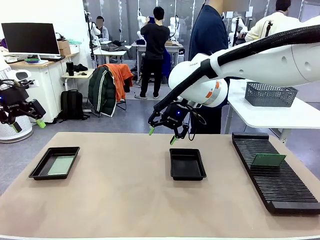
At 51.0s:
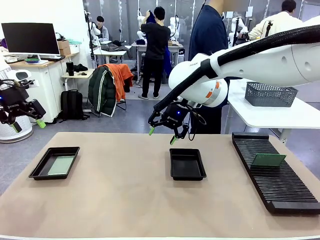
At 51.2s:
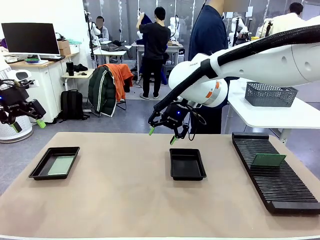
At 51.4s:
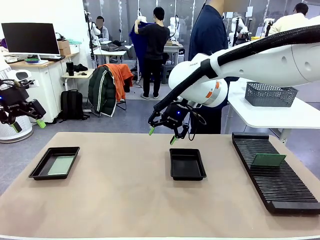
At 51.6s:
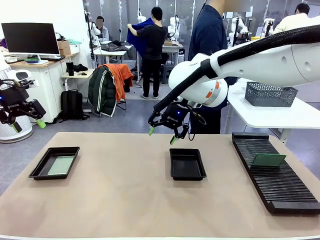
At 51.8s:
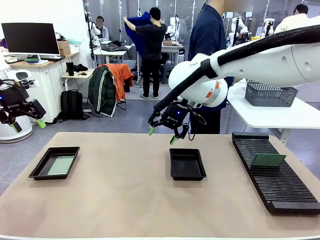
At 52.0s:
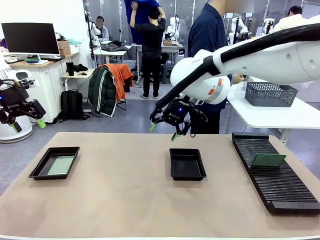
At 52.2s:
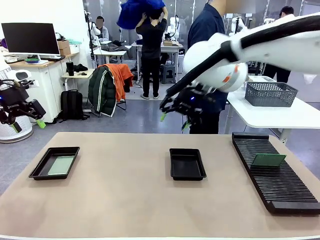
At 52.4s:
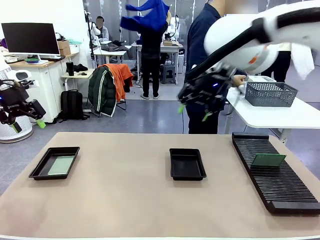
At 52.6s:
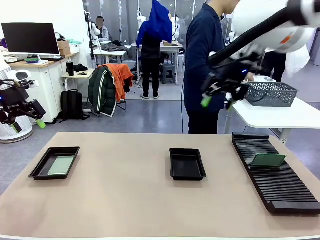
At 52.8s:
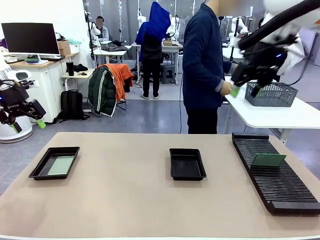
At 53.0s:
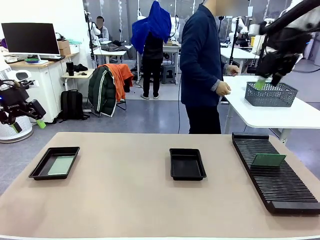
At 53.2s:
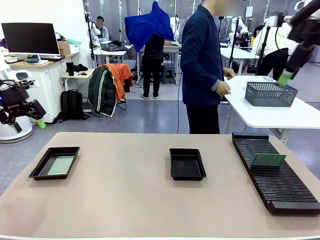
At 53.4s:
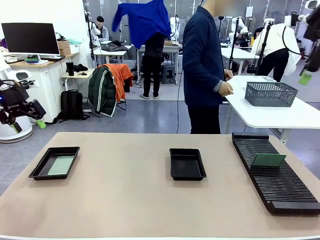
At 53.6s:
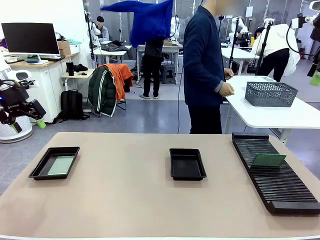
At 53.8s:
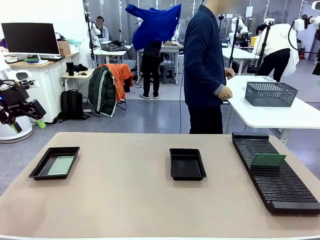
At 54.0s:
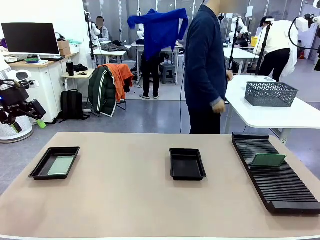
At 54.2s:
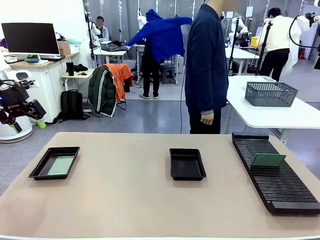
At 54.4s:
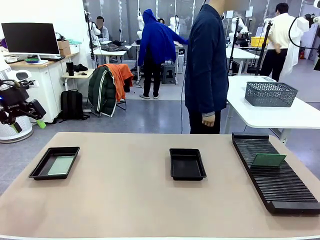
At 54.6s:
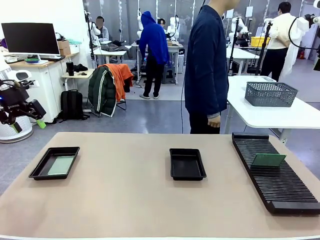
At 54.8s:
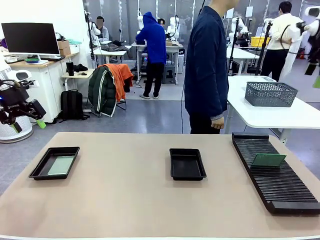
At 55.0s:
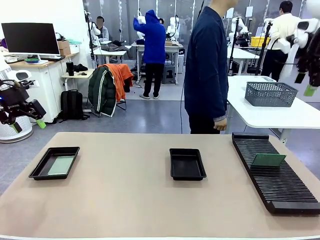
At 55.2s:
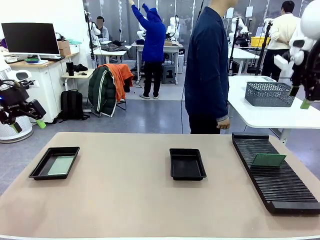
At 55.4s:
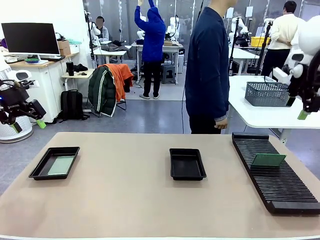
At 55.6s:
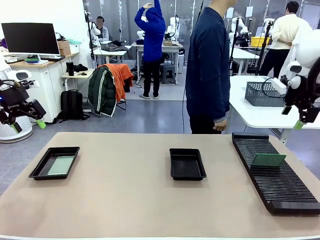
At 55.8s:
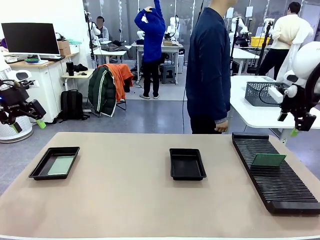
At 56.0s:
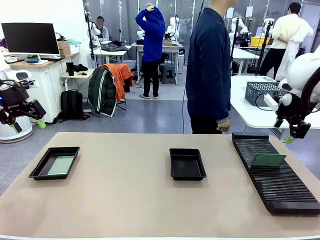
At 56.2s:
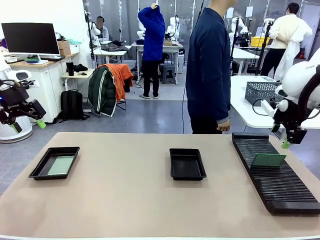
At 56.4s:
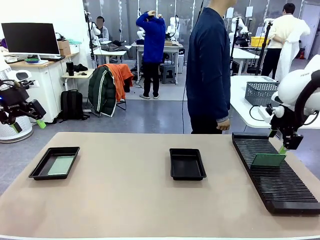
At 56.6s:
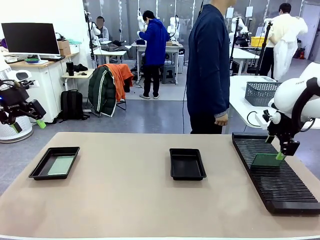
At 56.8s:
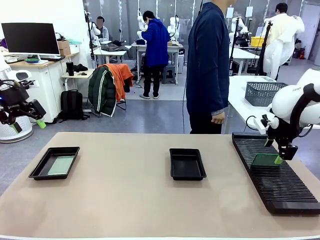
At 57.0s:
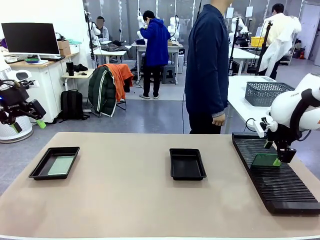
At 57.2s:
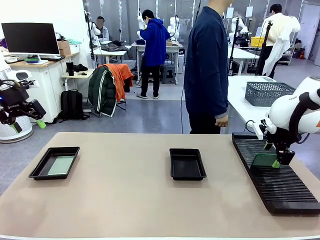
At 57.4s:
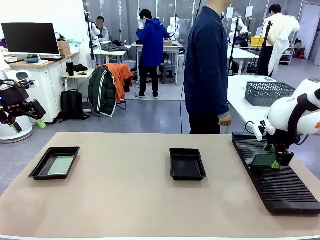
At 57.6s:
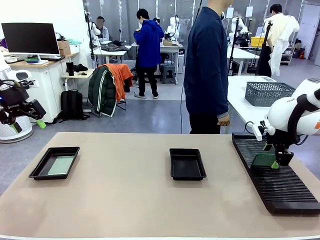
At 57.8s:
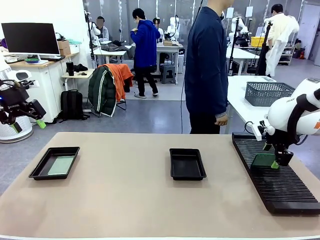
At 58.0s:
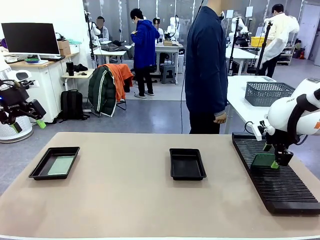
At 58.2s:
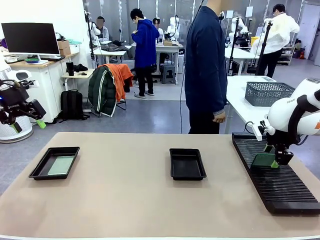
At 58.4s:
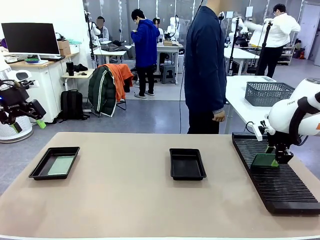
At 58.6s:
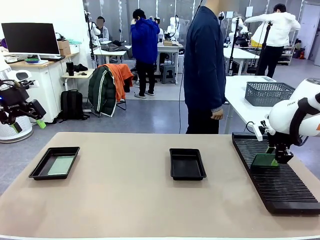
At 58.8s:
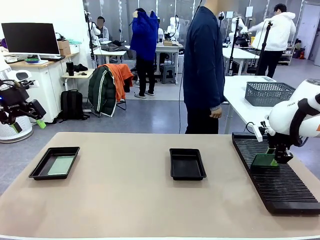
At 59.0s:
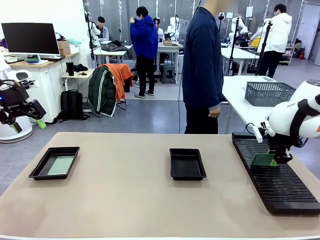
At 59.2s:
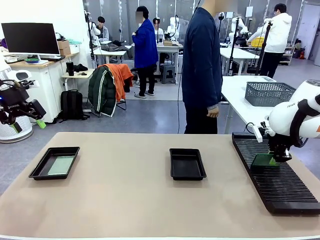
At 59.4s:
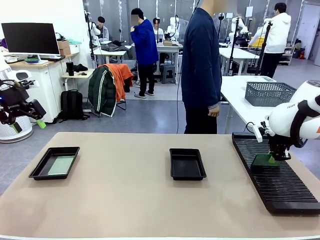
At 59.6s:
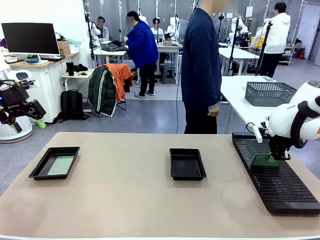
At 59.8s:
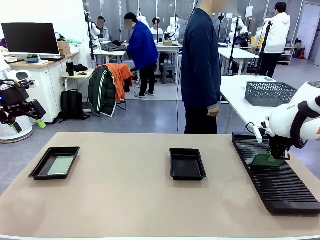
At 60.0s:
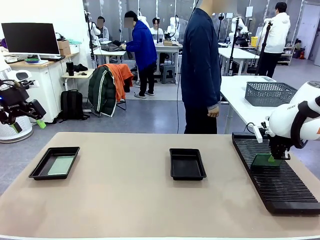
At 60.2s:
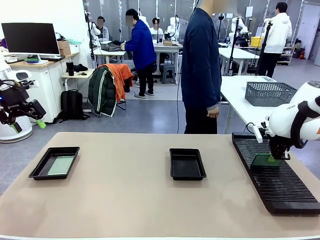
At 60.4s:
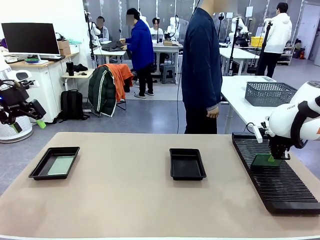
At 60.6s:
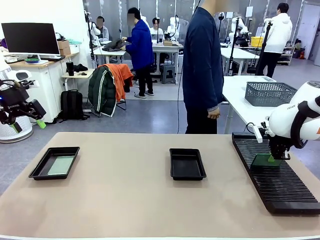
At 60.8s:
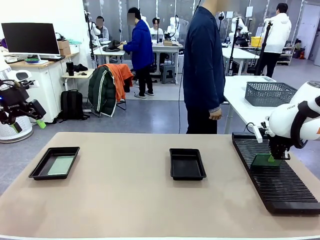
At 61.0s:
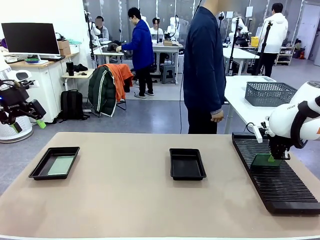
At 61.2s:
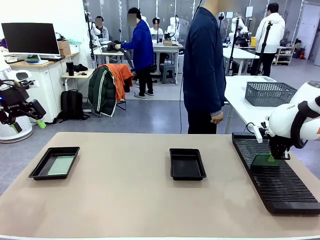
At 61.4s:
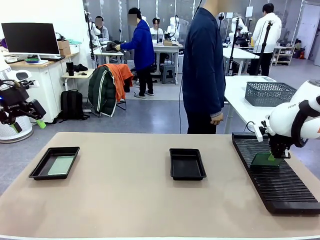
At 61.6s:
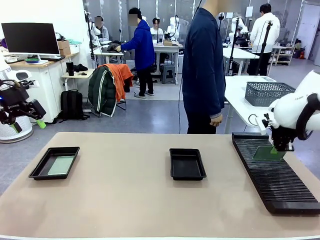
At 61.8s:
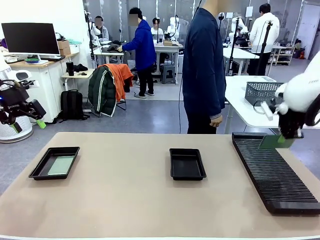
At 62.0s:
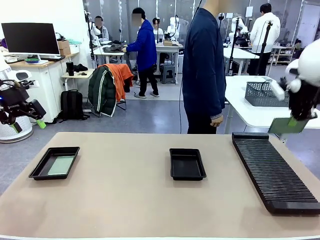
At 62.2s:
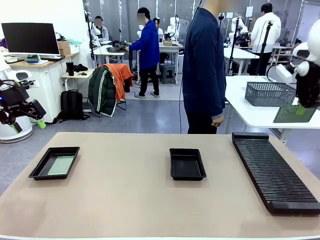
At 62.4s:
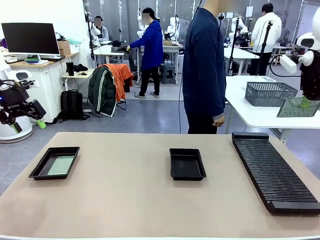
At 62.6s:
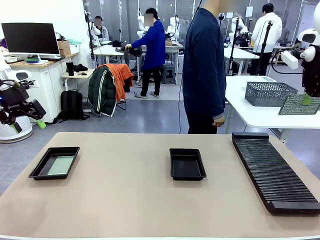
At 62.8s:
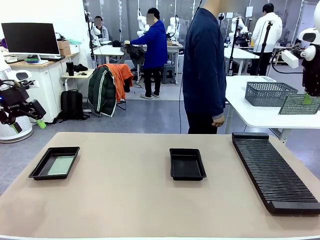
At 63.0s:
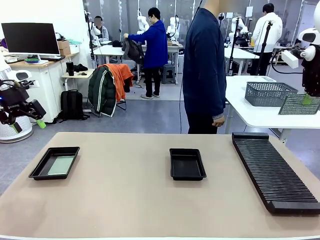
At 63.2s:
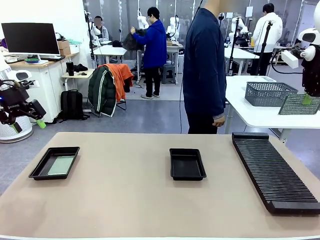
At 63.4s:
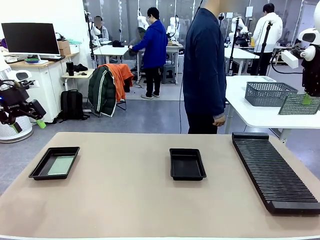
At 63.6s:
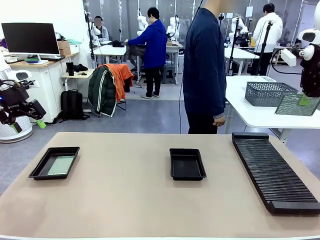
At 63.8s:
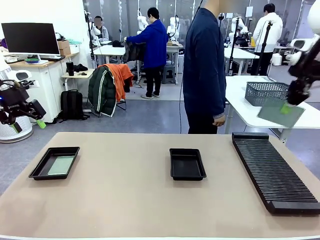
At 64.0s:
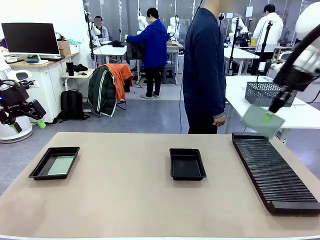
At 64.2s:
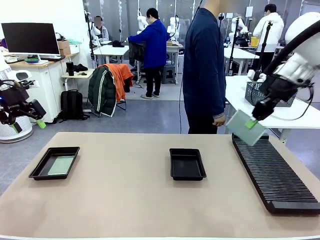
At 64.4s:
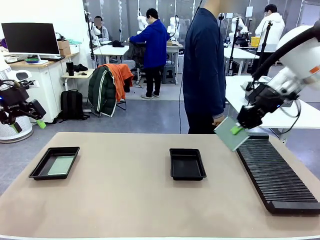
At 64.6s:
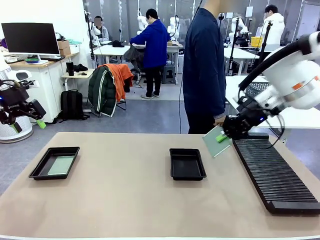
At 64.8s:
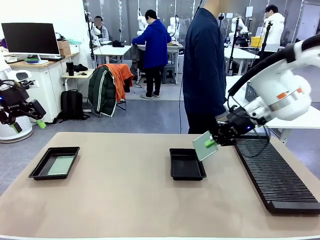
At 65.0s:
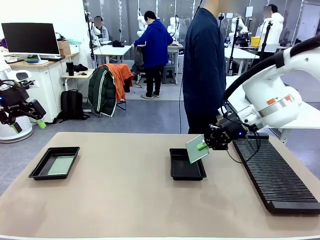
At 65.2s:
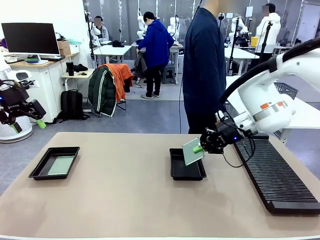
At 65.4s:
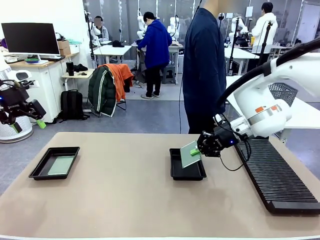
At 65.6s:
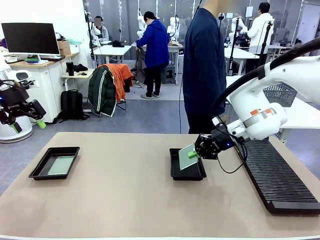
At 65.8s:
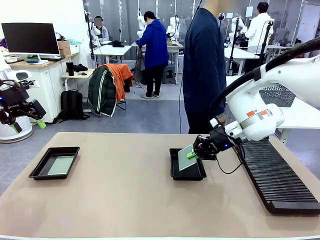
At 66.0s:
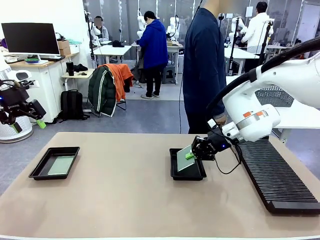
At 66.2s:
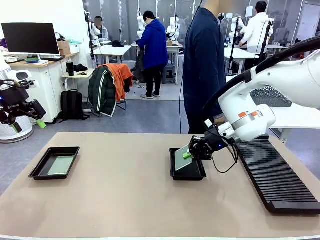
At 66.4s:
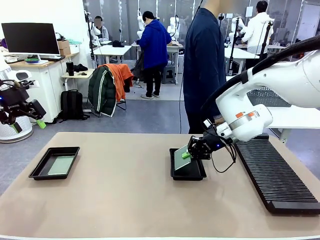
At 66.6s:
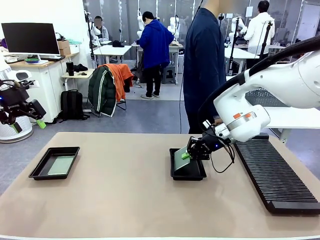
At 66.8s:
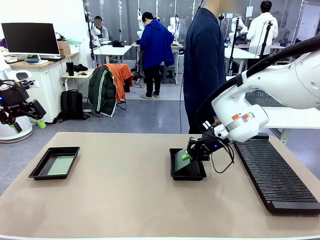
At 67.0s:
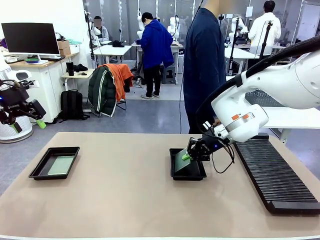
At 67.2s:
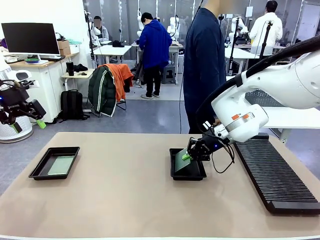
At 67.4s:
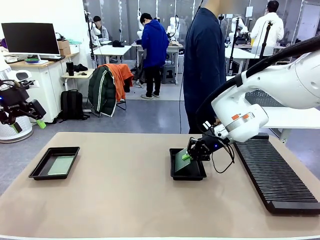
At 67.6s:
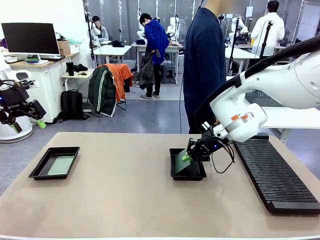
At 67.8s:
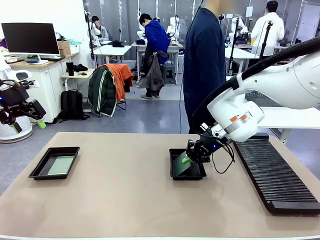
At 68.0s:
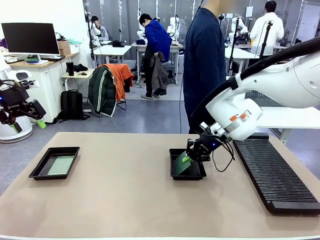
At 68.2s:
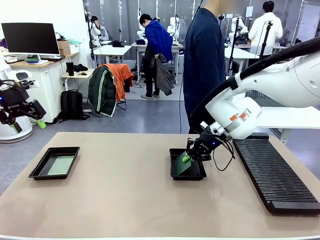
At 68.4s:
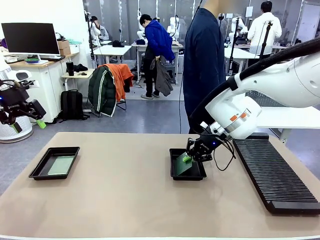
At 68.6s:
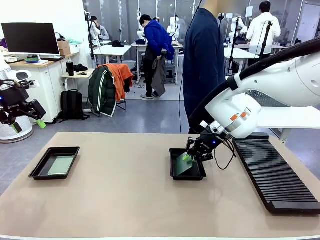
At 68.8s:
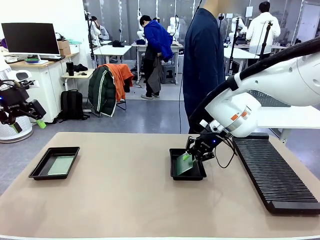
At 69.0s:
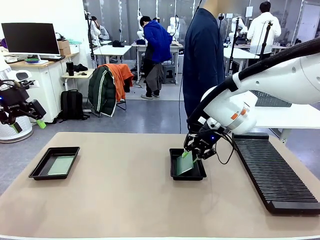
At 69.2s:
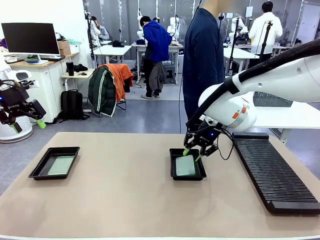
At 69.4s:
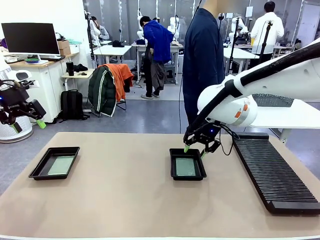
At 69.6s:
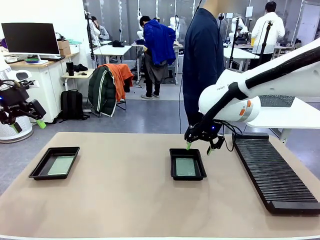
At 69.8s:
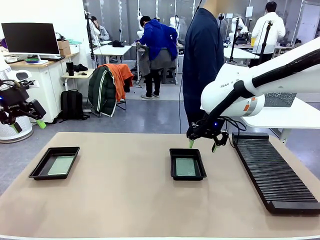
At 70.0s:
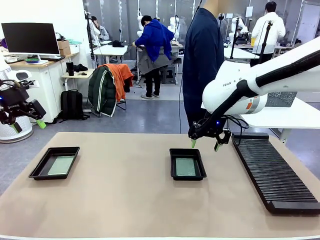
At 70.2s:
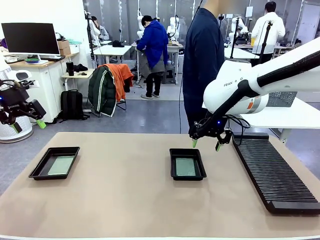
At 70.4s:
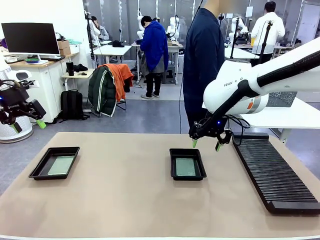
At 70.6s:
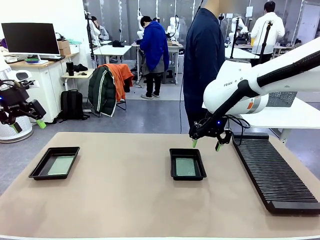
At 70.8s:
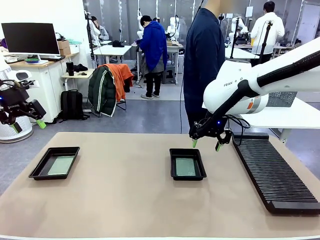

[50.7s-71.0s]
Task: Inspect and transfer BCBs to ESD trays.
Robot: Pick up the Blank PCB from the PCB Rack and place it in the right ESD tray.
